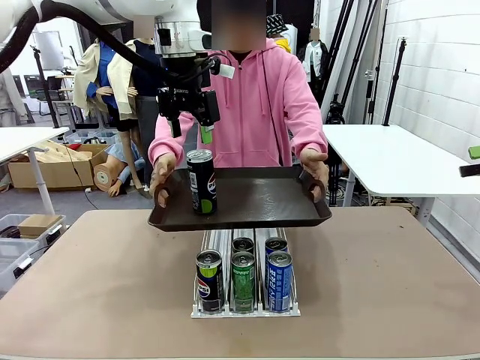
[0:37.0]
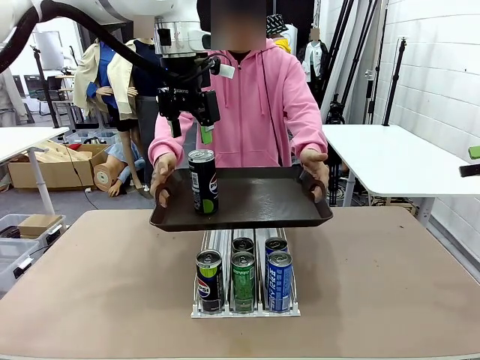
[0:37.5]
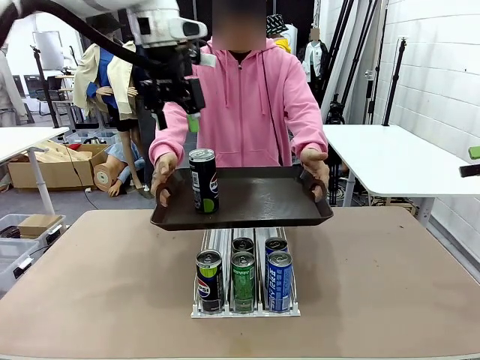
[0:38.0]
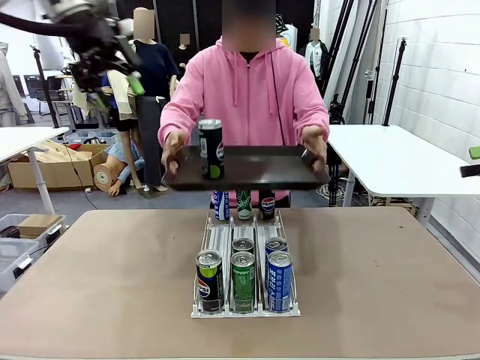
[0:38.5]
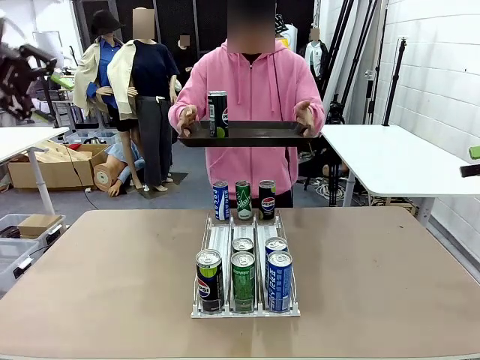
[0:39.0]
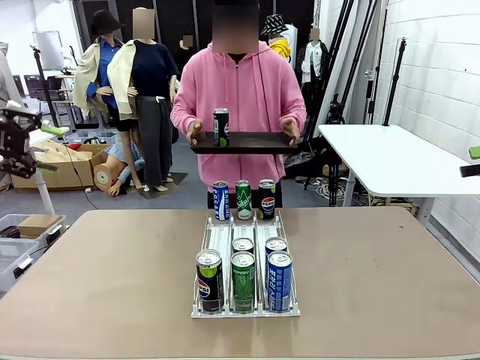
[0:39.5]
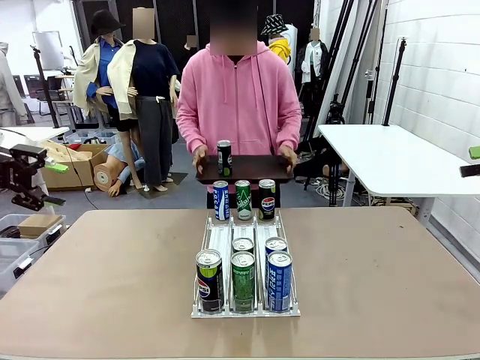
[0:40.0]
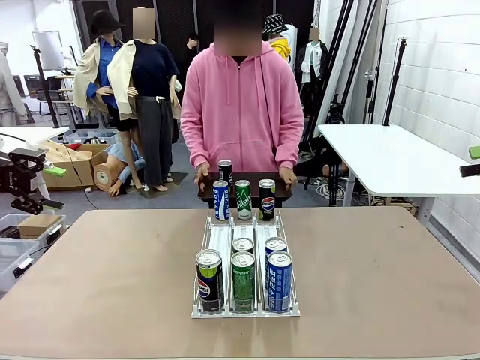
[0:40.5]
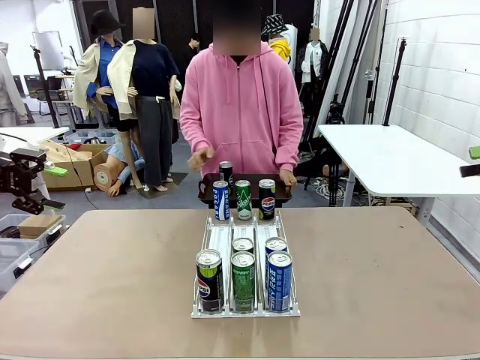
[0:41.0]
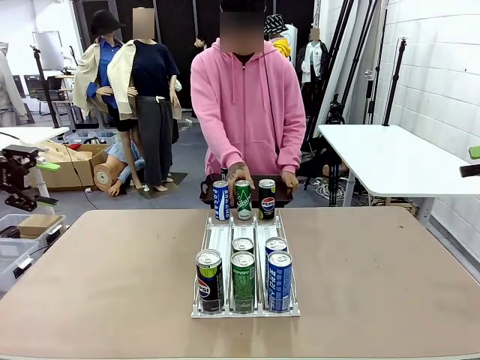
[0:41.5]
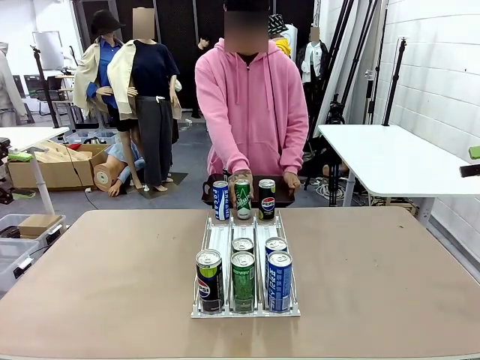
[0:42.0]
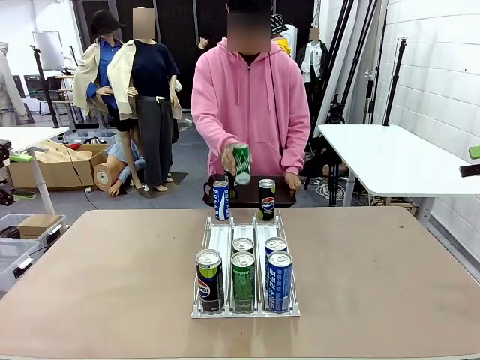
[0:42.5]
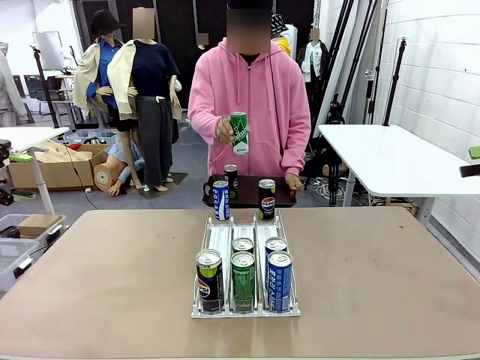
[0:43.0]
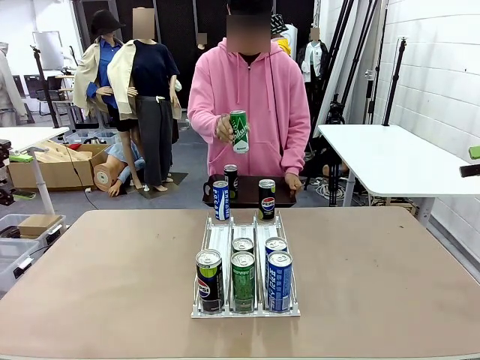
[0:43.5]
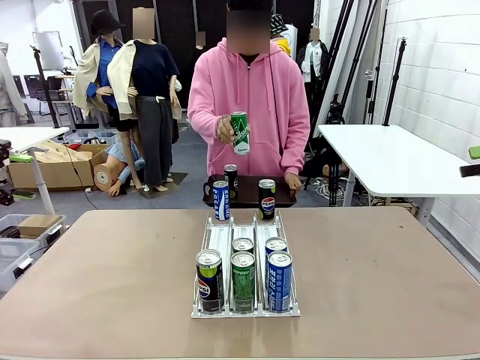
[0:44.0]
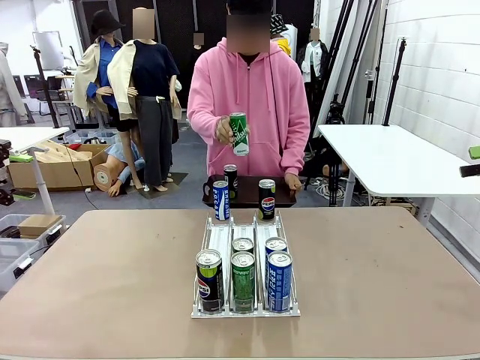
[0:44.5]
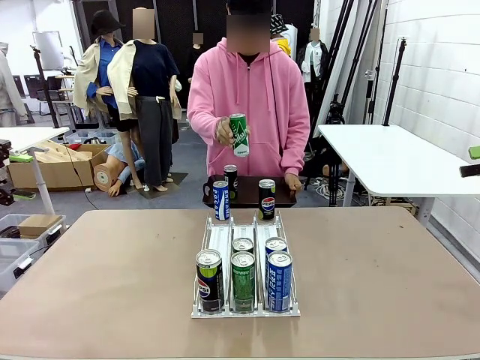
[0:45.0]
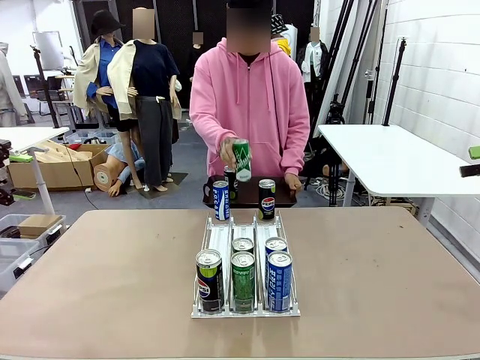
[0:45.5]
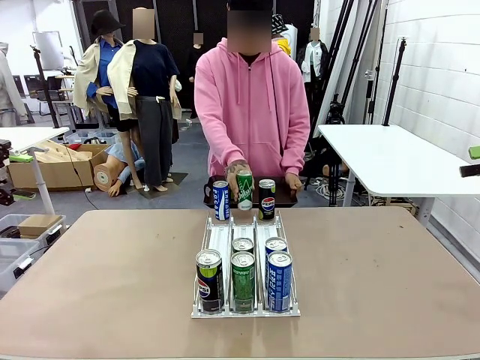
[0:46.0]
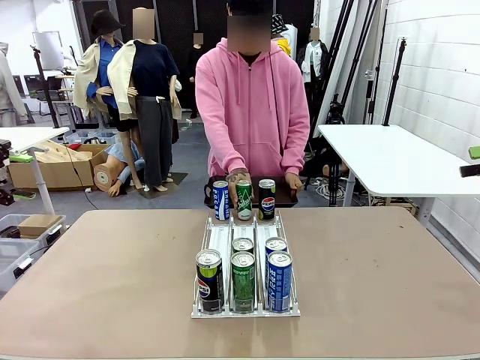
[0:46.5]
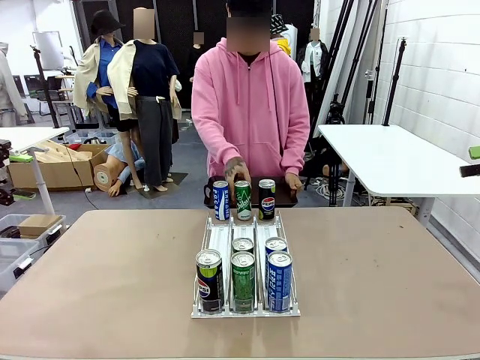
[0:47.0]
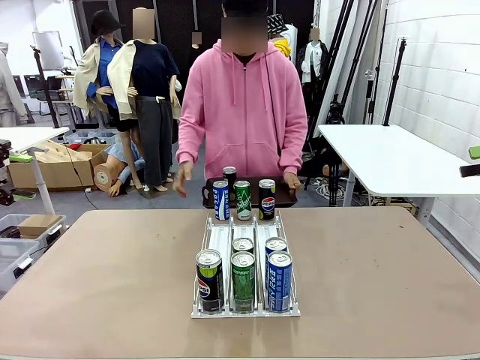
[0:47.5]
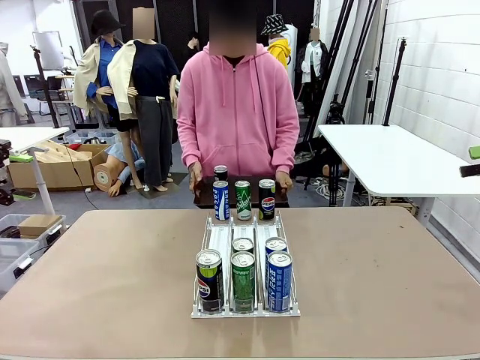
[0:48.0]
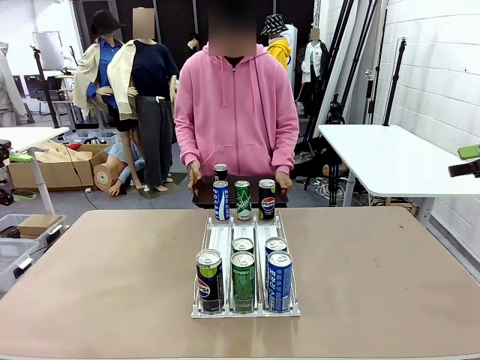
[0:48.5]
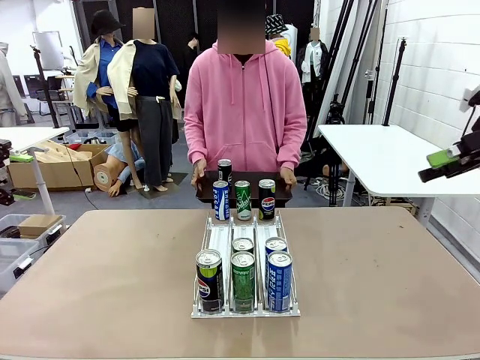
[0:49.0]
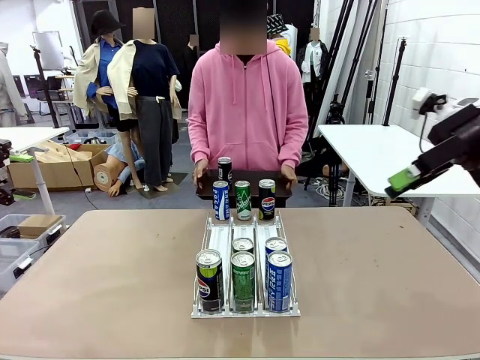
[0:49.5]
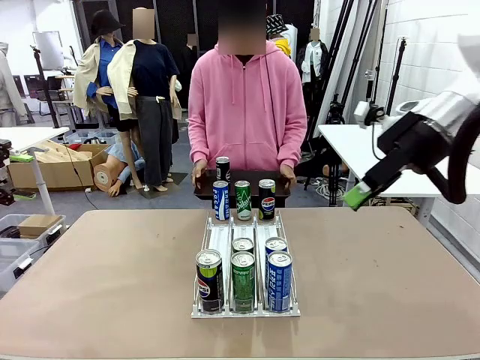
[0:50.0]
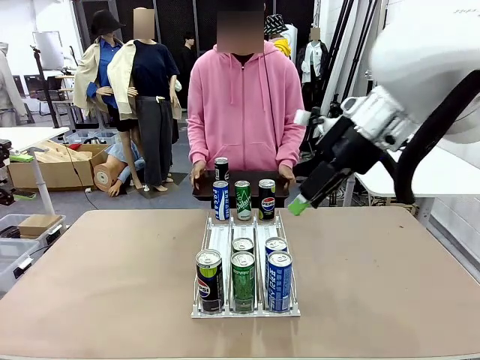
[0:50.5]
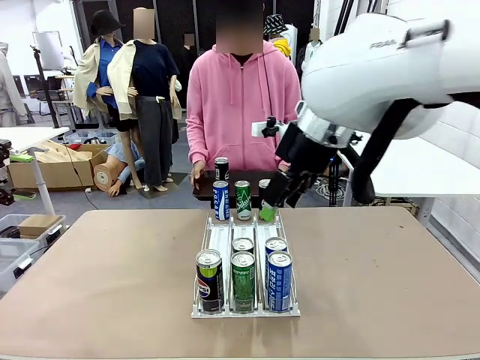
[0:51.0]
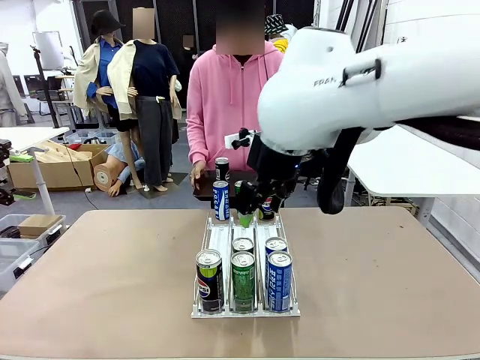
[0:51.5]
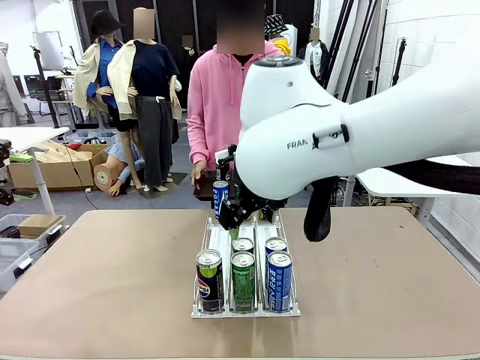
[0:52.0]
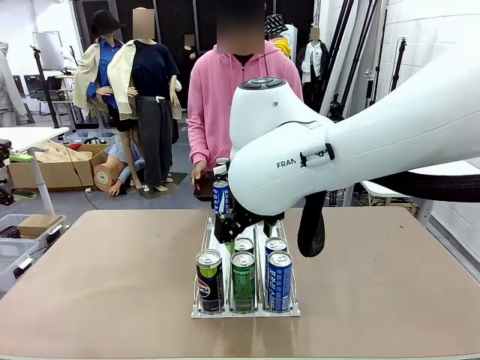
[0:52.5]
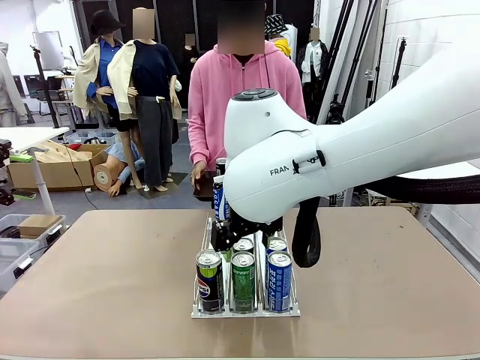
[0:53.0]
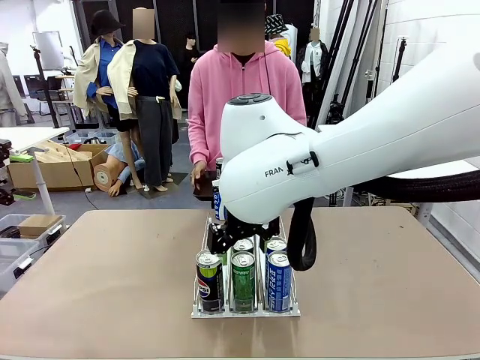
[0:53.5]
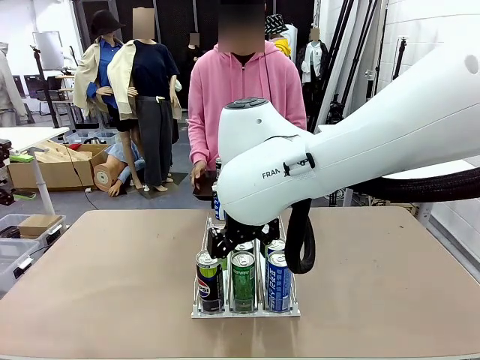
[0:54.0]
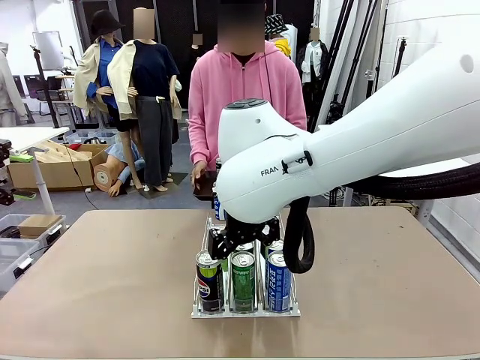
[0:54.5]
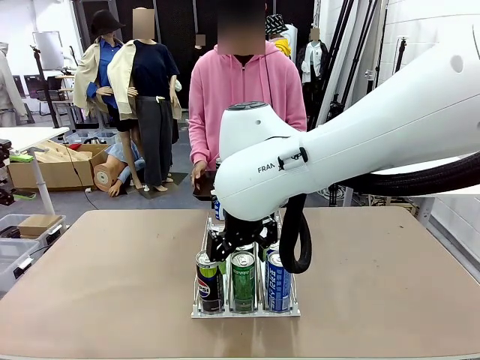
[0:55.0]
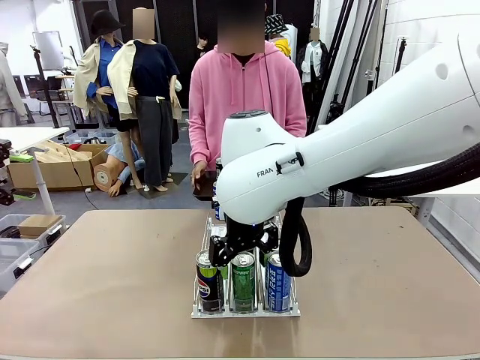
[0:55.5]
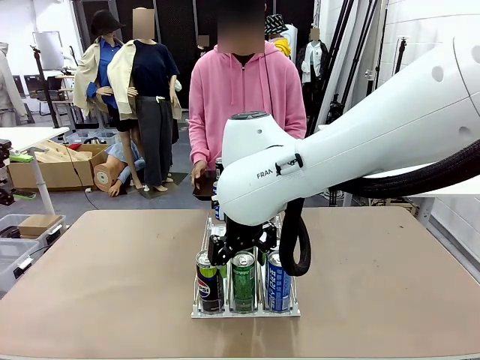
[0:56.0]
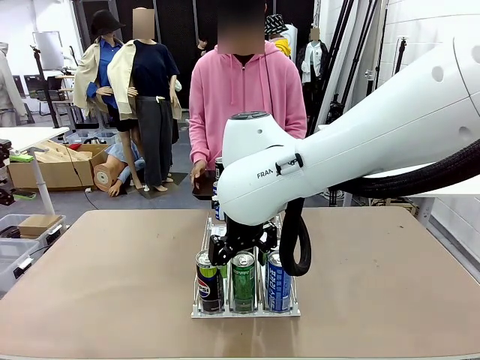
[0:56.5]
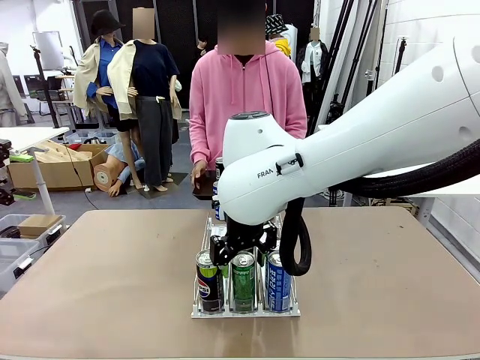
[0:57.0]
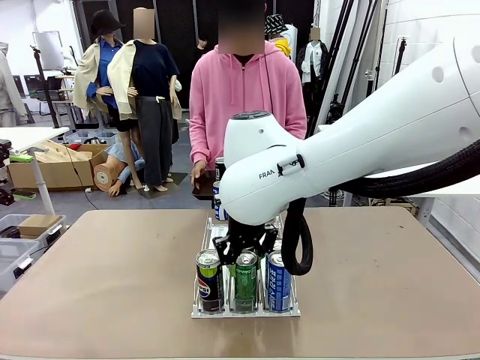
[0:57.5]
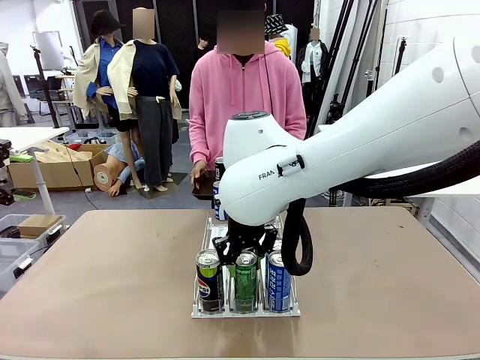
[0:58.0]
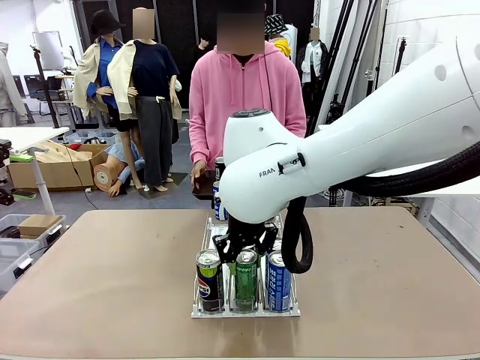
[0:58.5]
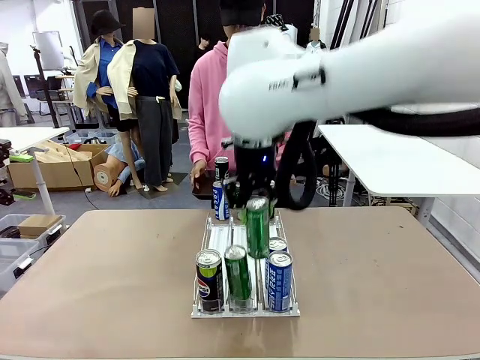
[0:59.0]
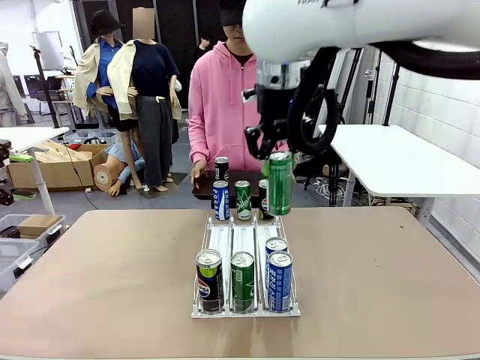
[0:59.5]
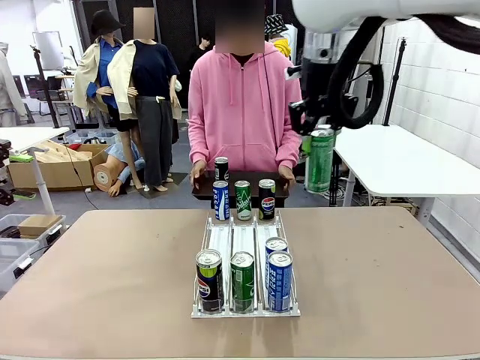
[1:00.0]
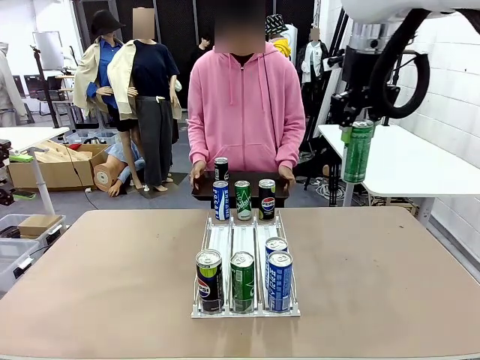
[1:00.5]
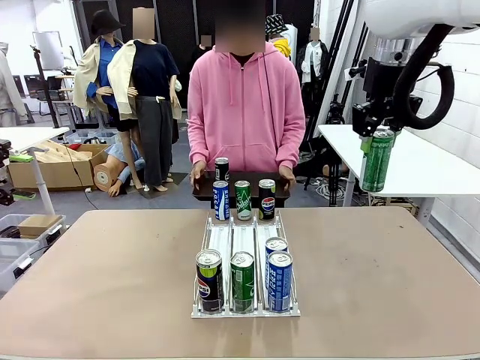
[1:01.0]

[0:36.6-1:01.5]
Task: Retrieve and hand over the desired beverage to the person.
Robot: Pick up another can of the same type that the person held from the Automatic Can Dispenser.
Person: Pull the tray back, then pick up another can from the bottom area of the table and puts it back in its original place. Push the tray toward the robot again.
